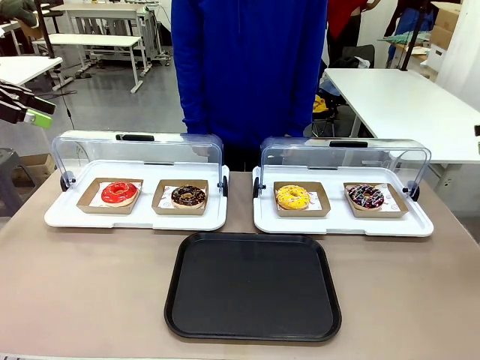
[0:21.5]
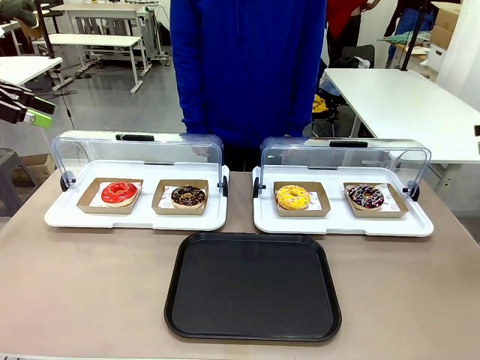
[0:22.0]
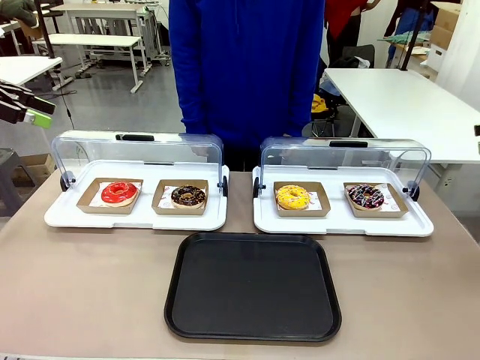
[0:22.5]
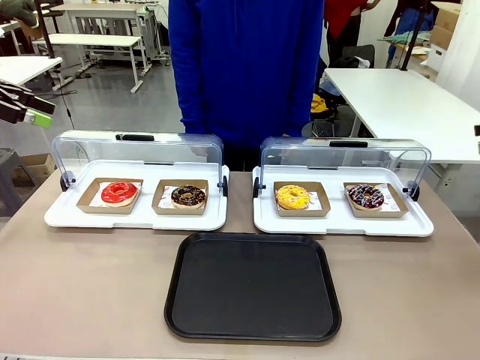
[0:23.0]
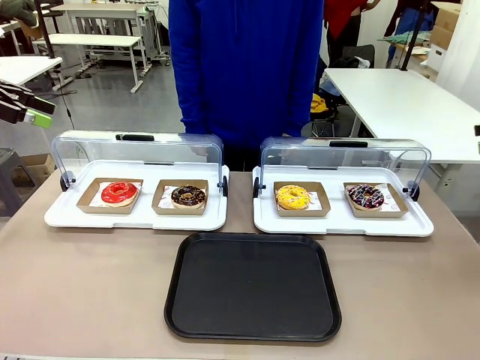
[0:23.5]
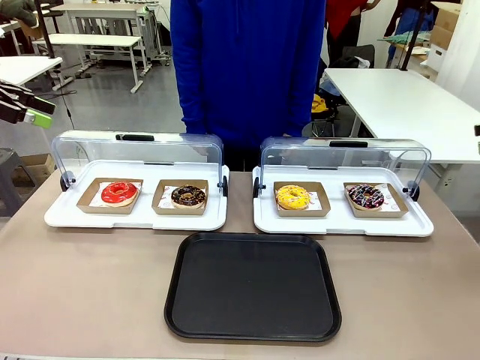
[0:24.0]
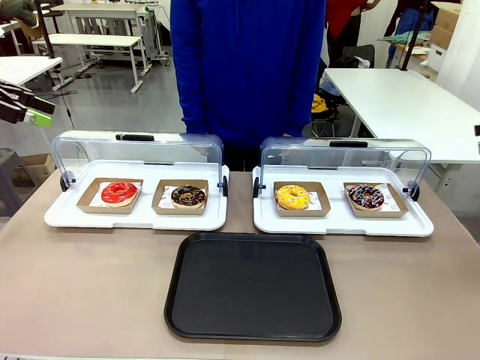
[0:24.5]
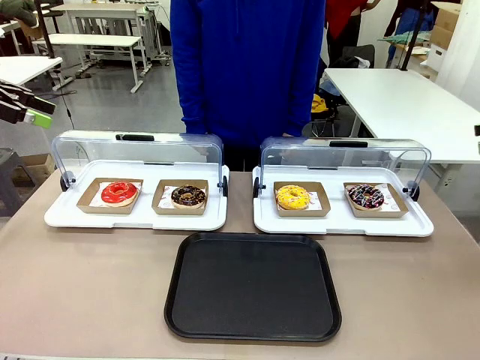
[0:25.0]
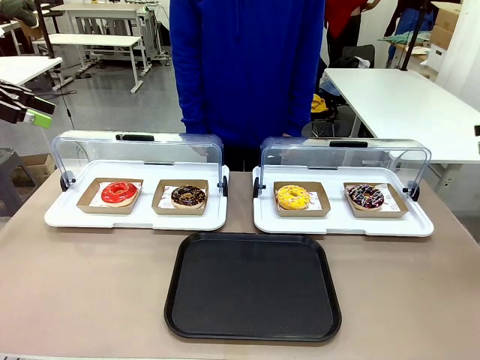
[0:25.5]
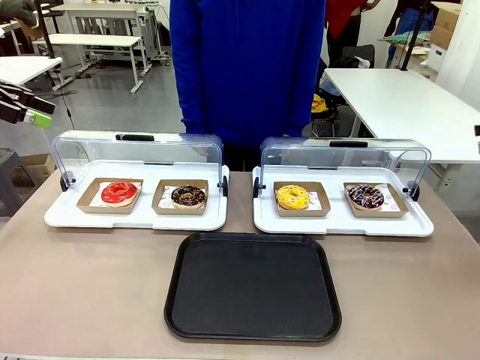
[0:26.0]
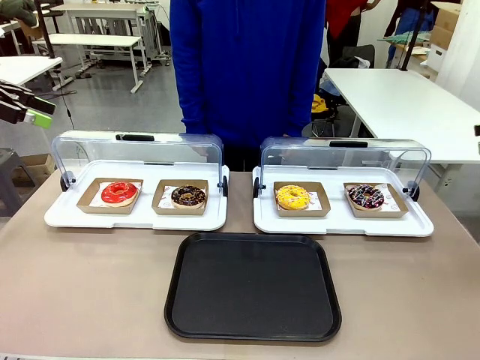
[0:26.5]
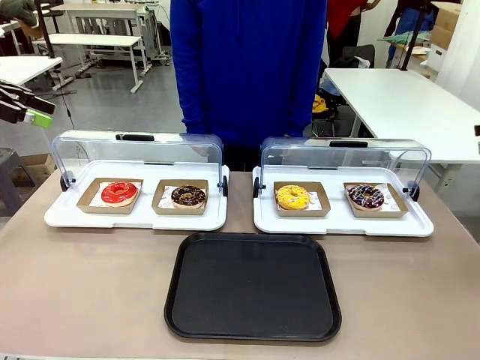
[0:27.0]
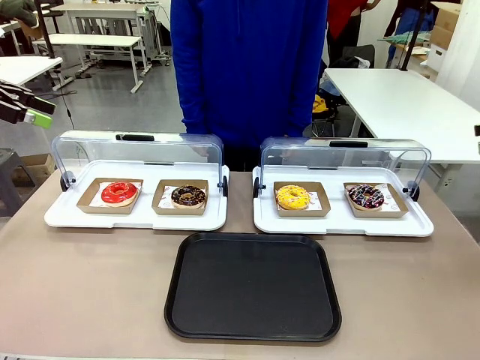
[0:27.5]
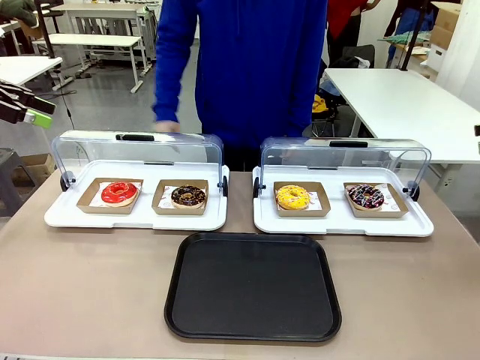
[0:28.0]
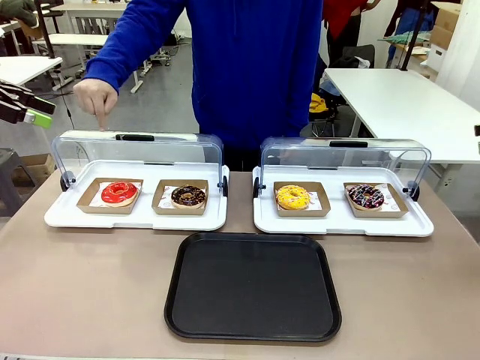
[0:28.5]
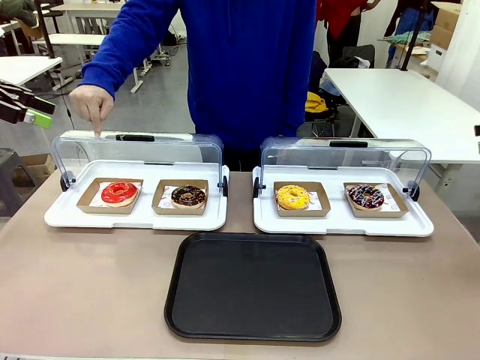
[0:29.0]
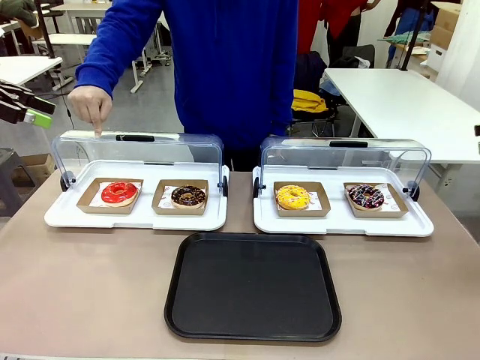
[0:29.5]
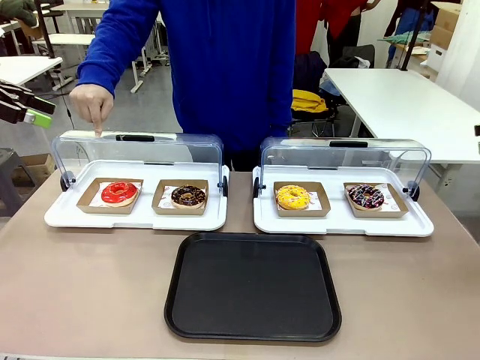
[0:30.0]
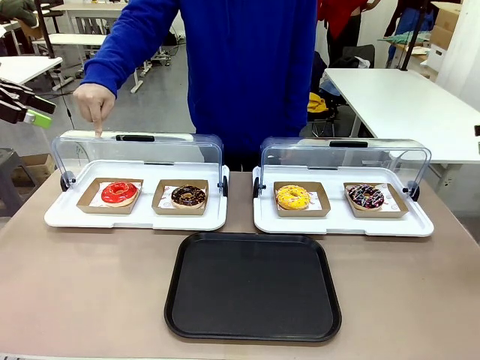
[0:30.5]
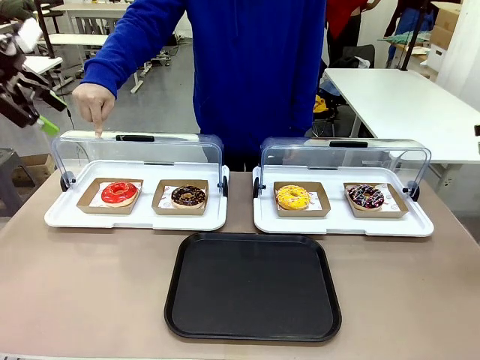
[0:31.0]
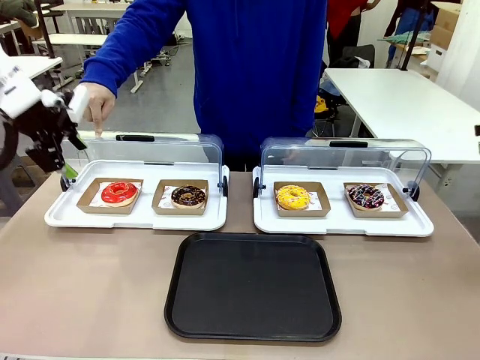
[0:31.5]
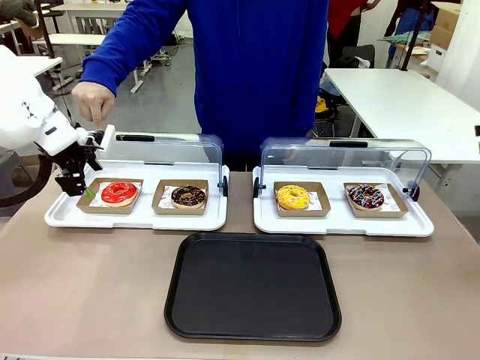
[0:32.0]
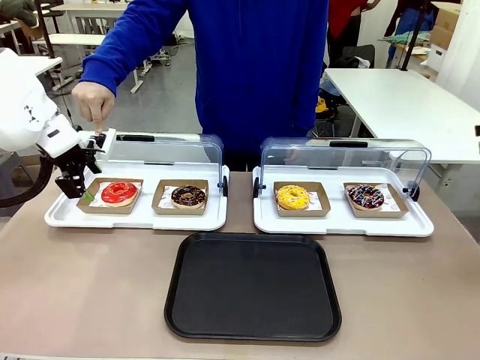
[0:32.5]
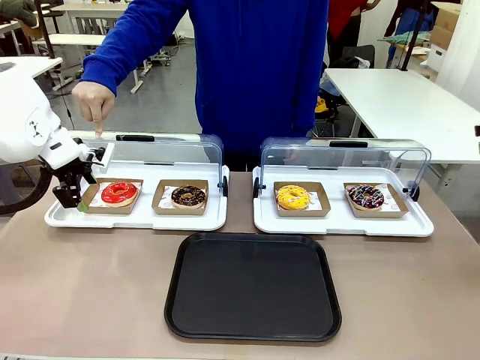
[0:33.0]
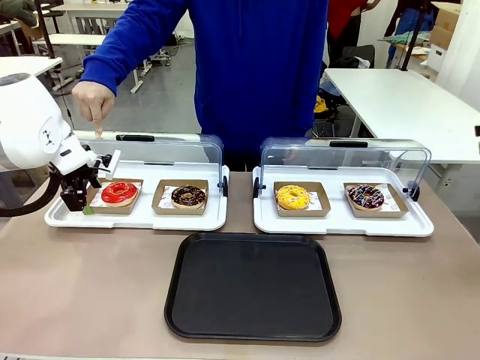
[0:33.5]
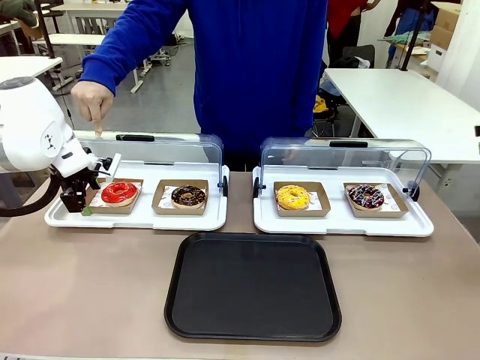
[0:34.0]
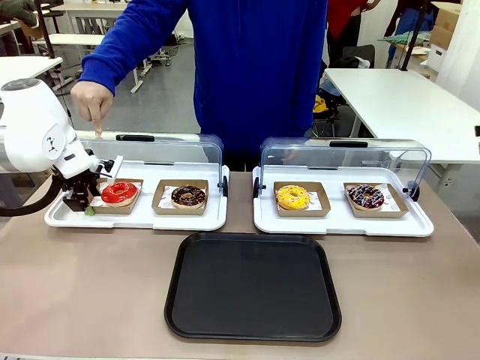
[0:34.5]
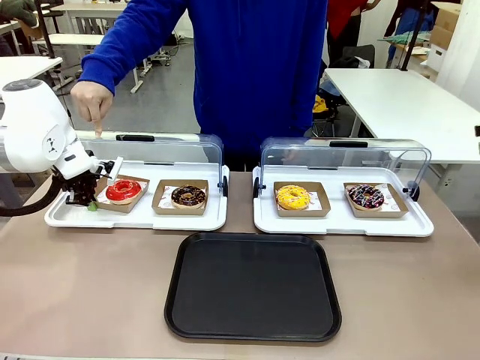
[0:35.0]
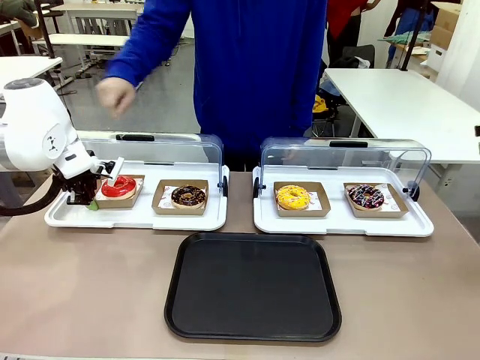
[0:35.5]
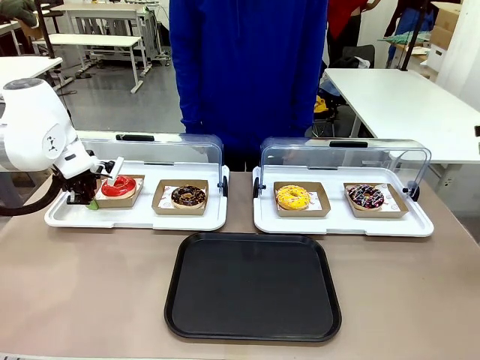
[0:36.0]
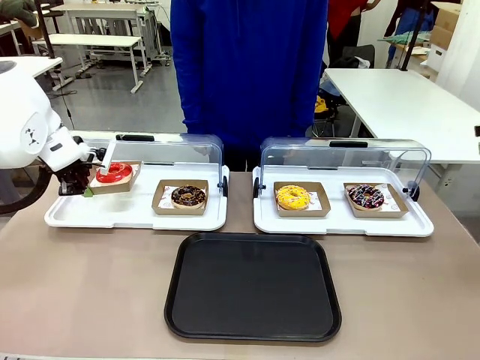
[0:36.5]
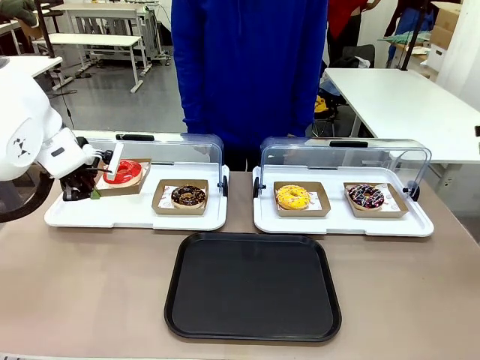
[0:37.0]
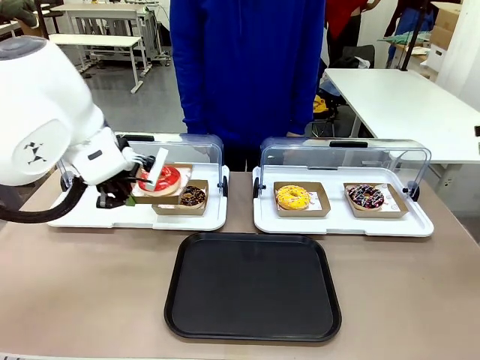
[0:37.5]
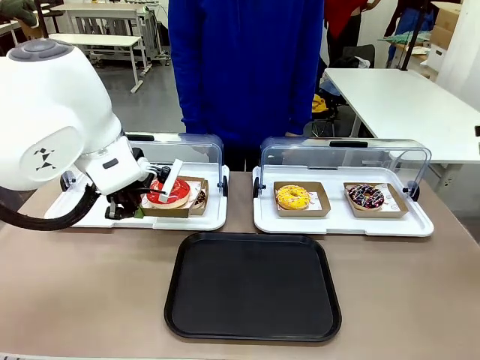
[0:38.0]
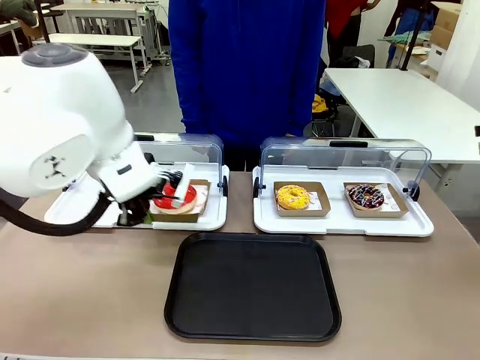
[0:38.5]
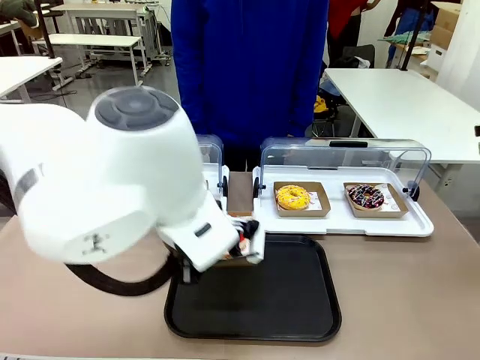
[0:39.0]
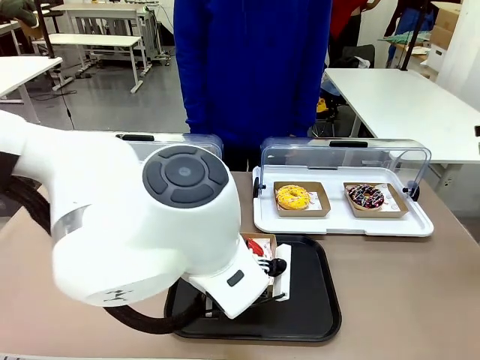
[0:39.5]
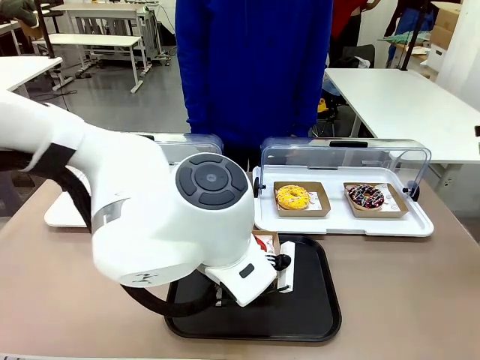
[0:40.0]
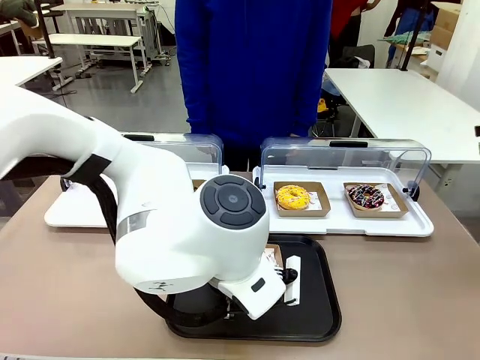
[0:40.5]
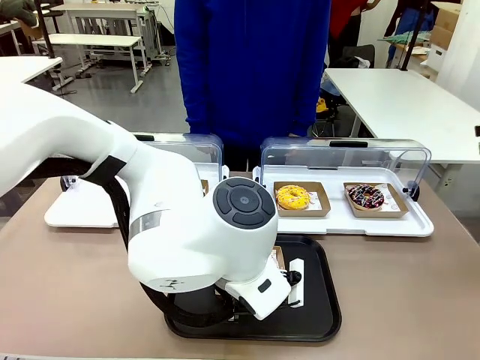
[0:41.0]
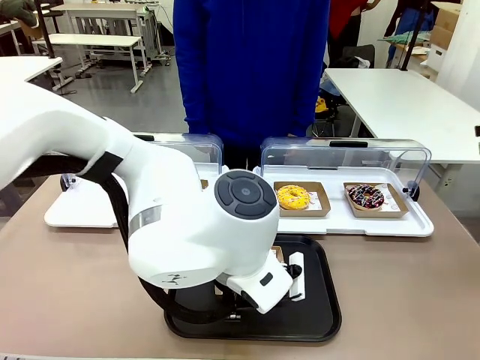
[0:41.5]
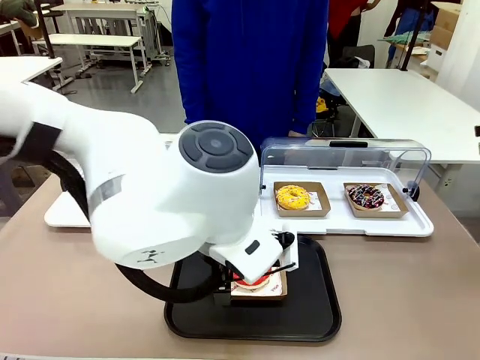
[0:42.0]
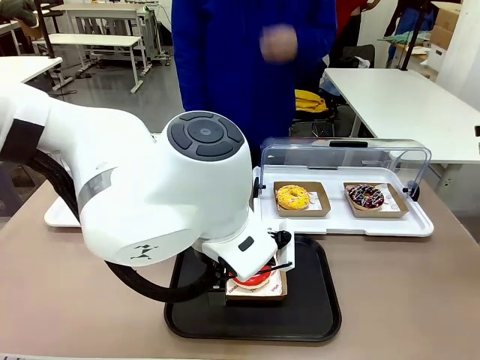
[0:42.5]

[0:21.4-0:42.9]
Task: Move the first donut from the left to the tray.
Robot: Pick up the Paper togo box containing the Donut indicated by the person and place it on the Handle tray.
Person: Points to the first donut from the left from the robot’s perspective.
